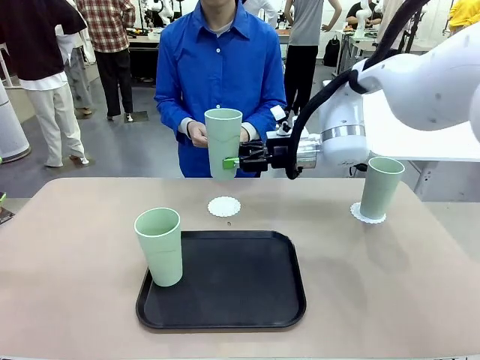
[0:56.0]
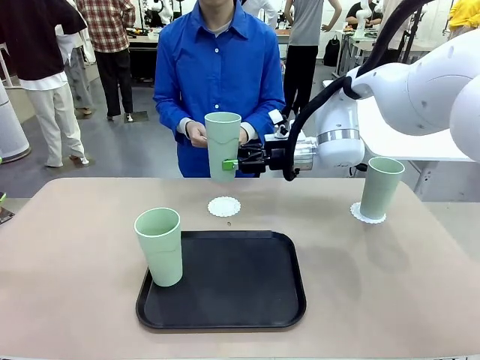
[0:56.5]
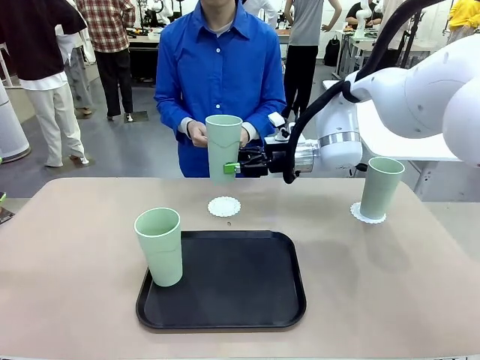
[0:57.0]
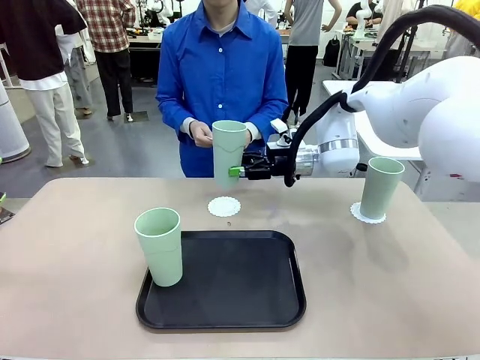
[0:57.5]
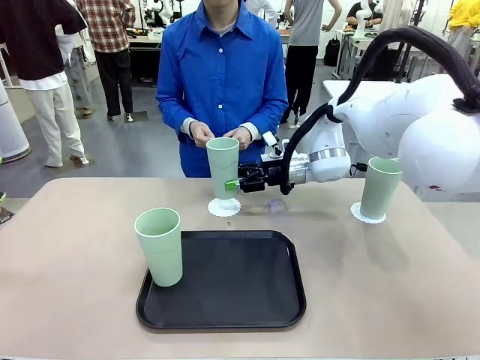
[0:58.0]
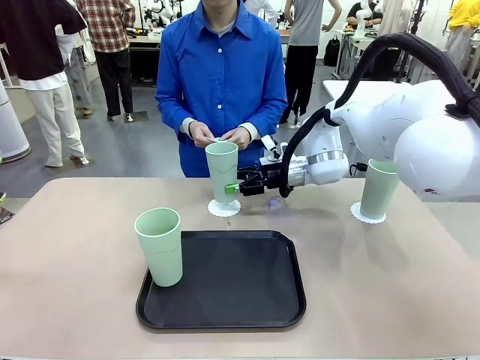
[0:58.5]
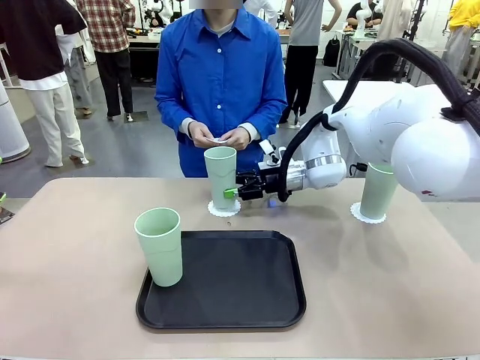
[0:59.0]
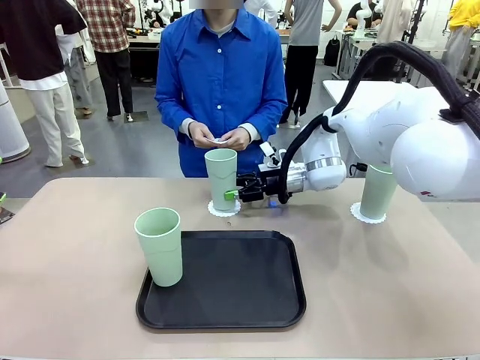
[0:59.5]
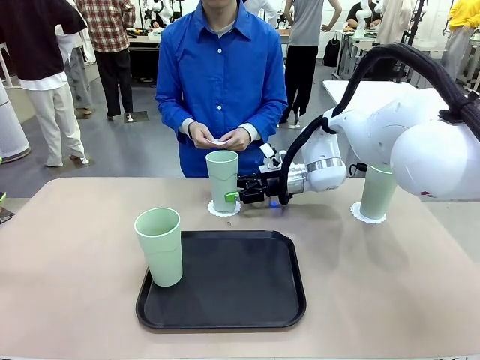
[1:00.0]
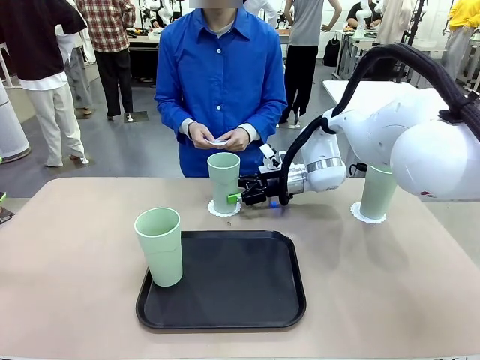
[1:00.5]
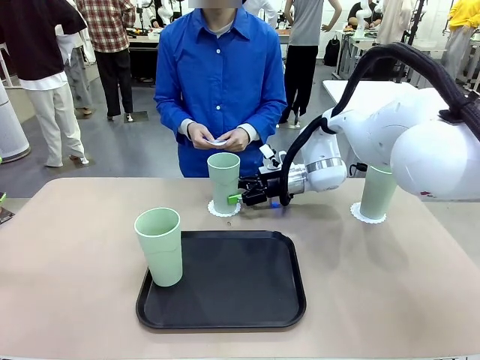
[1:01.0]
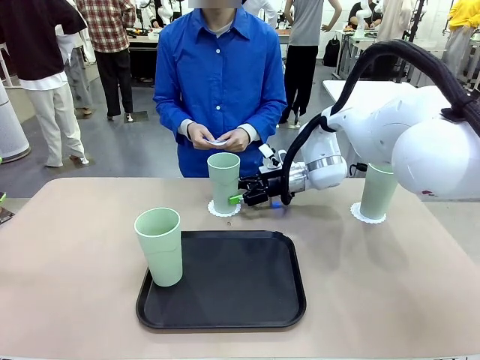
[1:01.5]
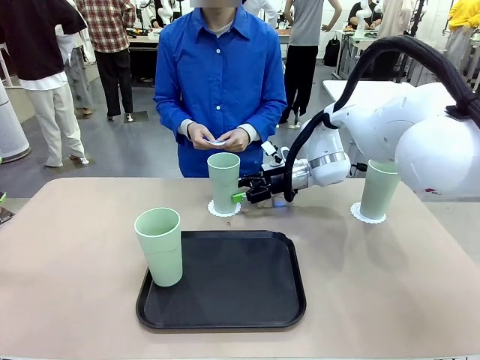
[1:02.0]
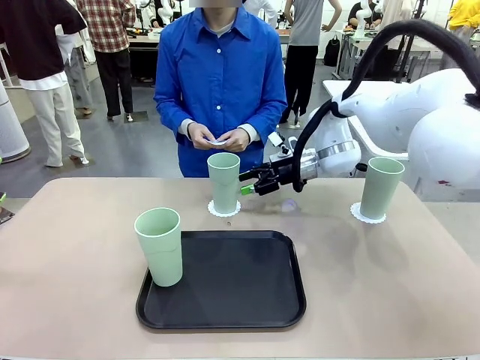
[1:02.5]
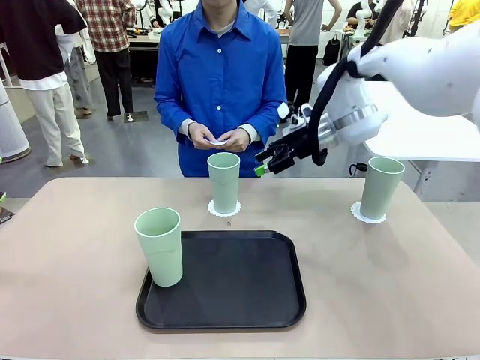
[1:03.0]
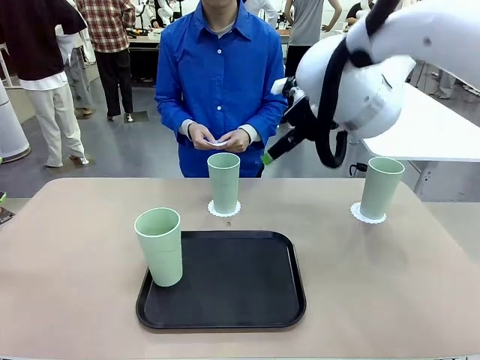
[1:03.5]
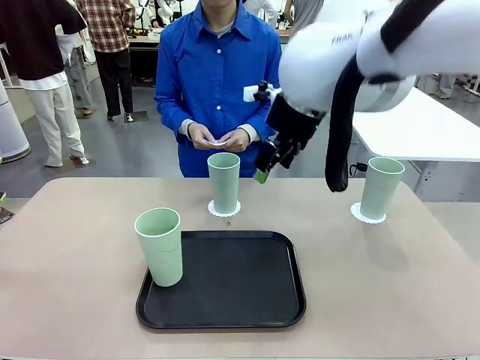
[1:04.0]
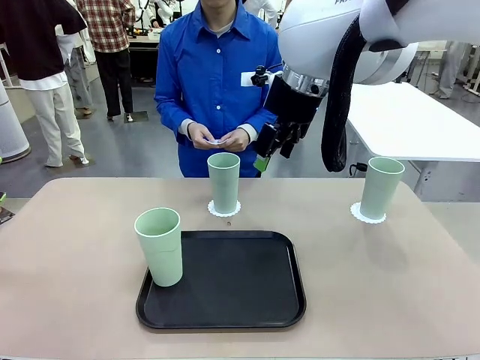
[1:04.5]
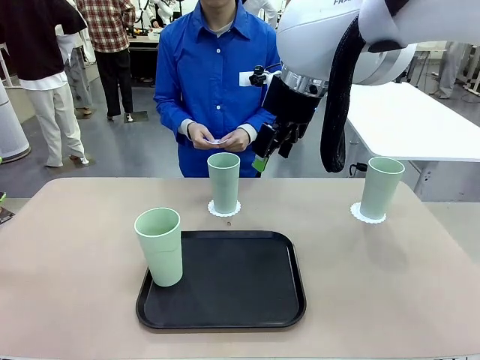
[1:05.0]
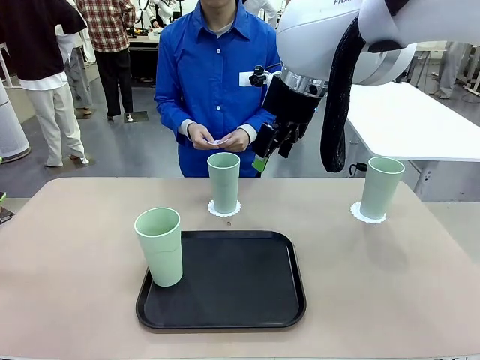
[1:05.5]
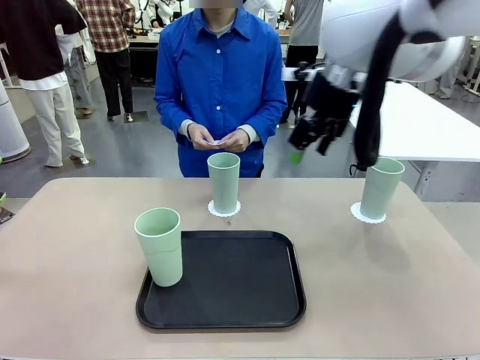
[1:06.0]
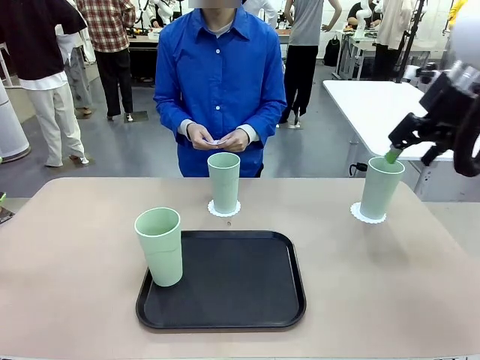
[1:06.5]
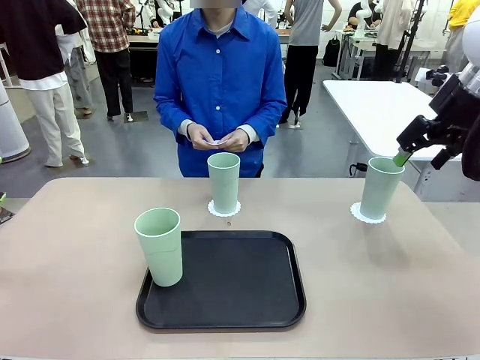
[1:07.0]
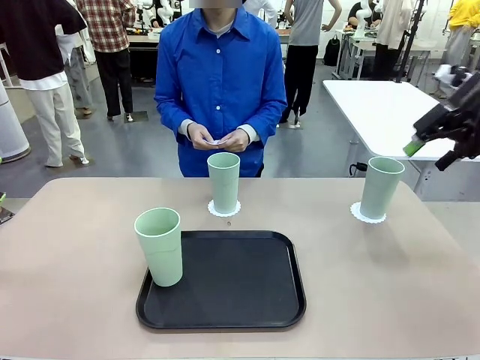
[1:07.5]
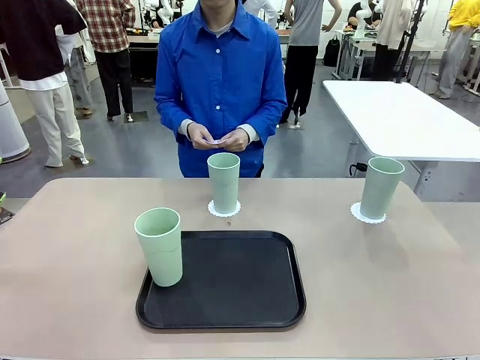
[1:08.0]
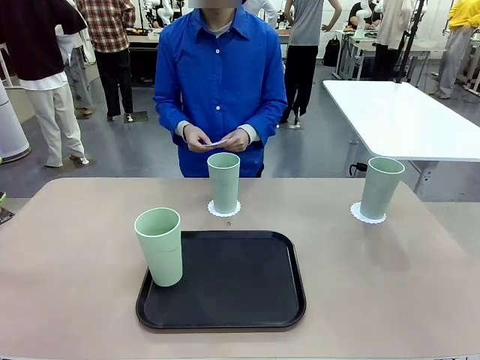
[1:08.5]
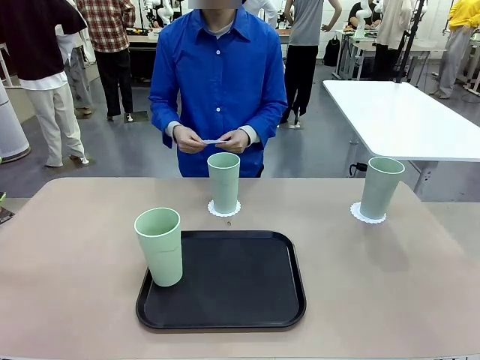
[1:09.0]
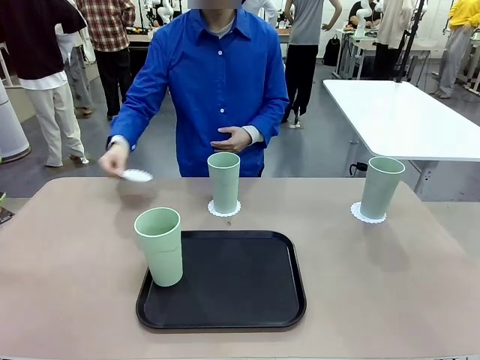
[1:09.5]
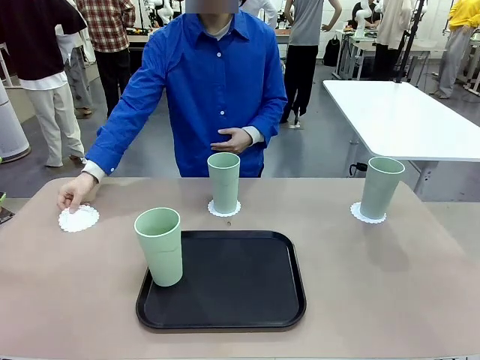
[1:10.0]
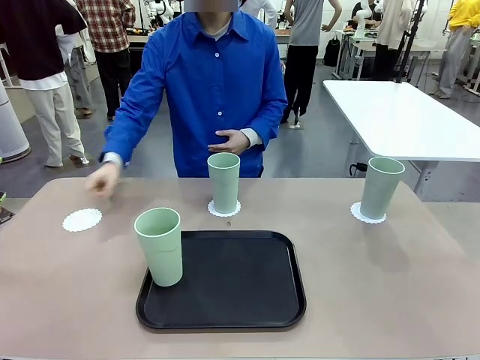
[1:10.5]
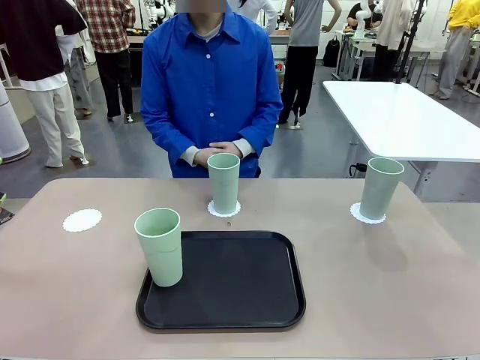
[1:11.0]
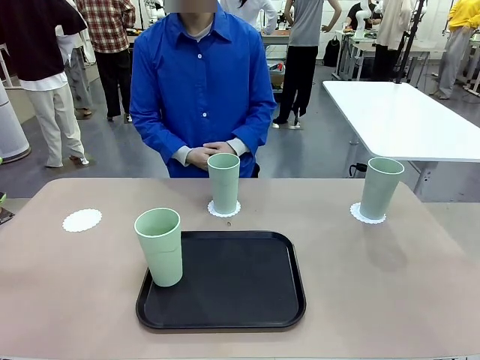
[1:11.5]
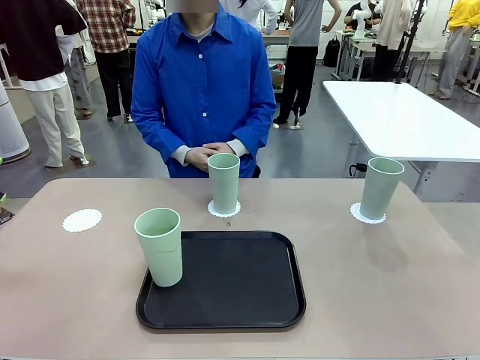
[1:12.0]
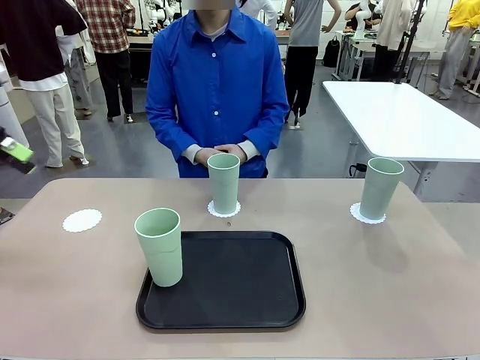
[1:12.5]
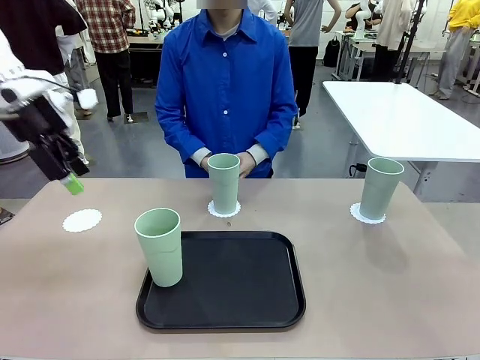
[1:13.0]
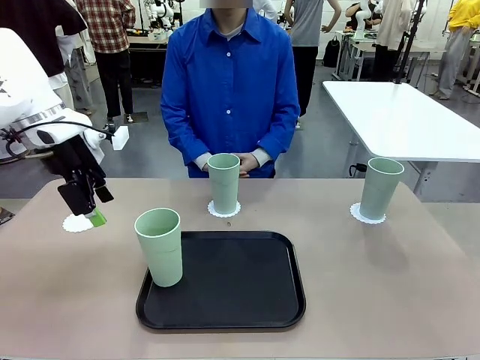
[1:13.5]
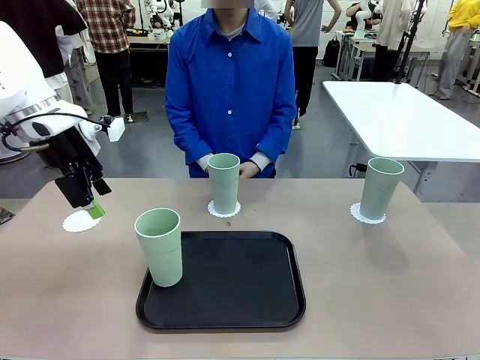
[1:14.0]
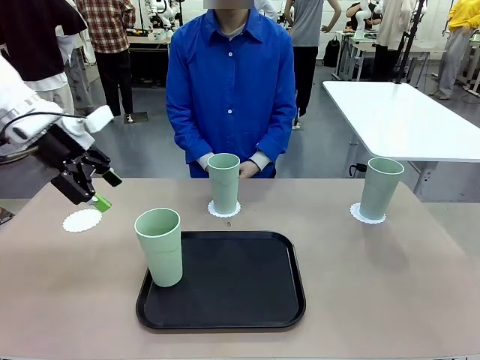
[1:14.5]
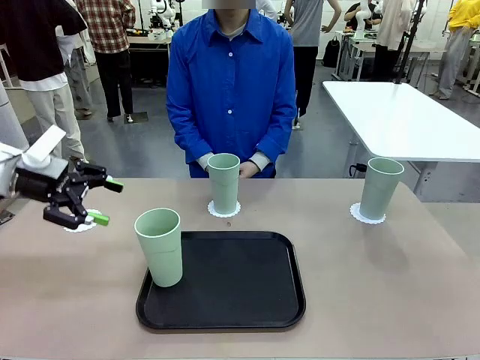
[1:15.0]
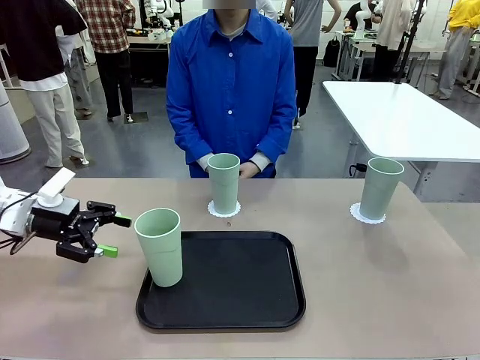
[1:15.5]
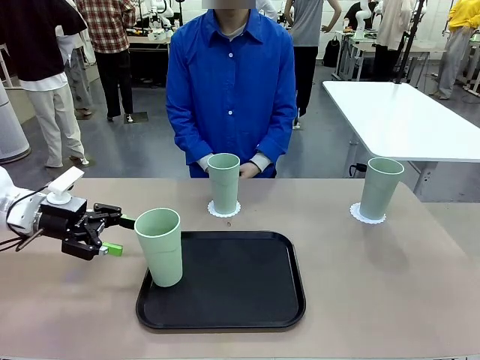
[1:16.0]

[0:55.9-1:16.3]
Task: Place coasters on the table and set cups on them.
Robot: Take one Reusable plastic cup from the Flat Tray and place it on a coaster set by the human.

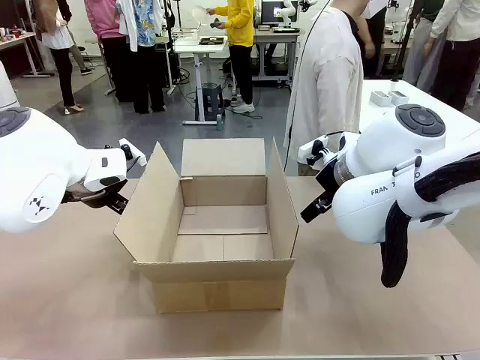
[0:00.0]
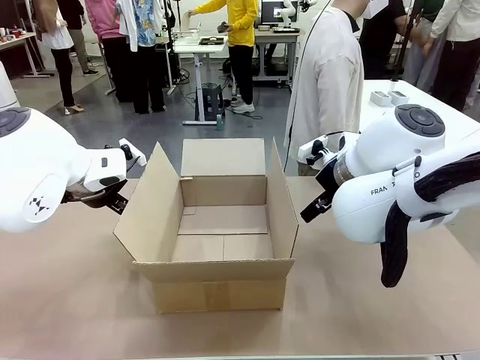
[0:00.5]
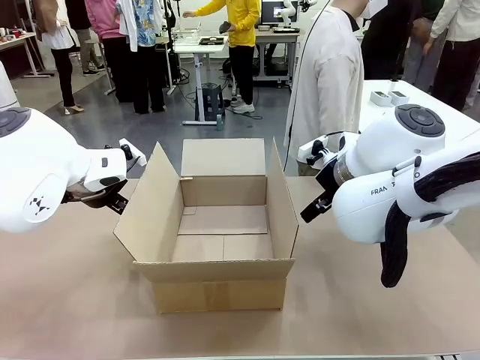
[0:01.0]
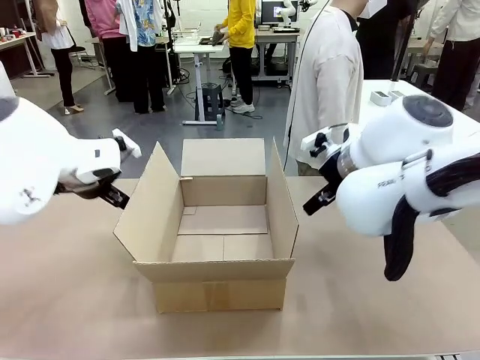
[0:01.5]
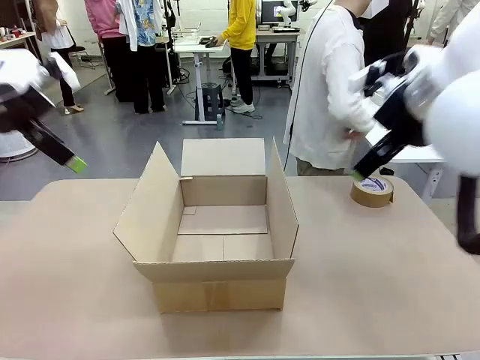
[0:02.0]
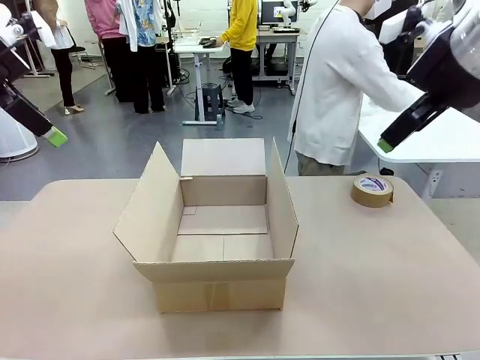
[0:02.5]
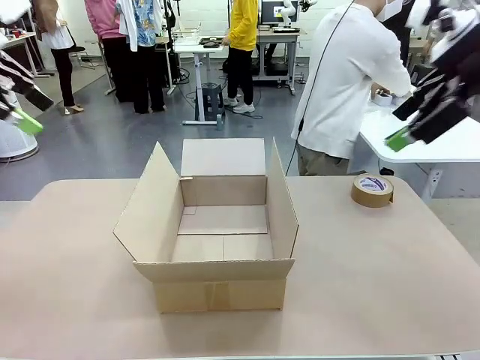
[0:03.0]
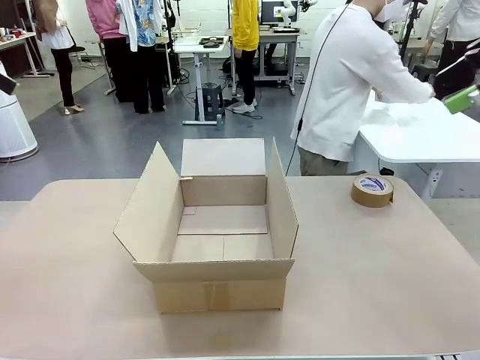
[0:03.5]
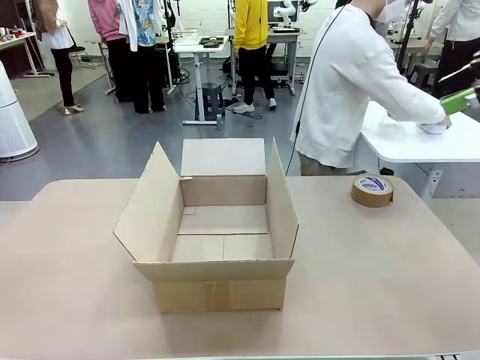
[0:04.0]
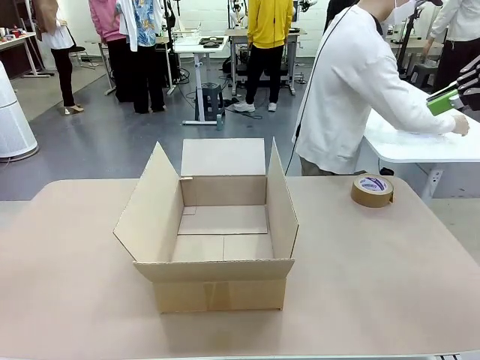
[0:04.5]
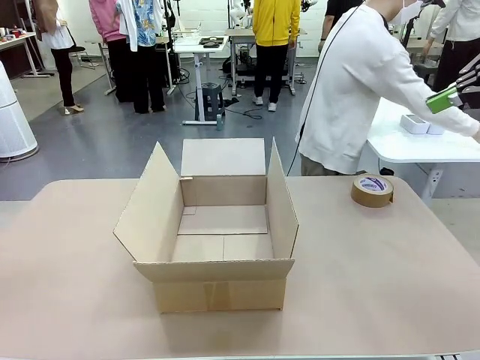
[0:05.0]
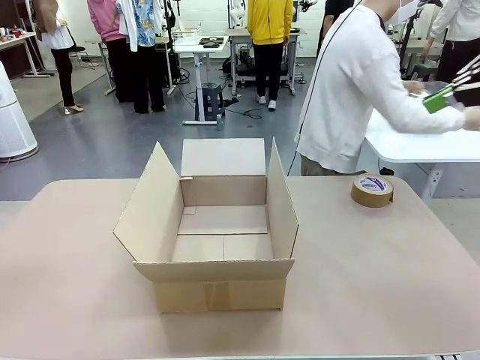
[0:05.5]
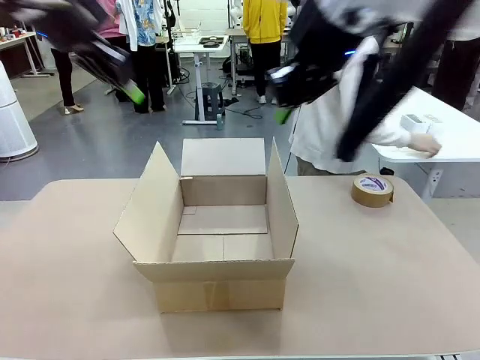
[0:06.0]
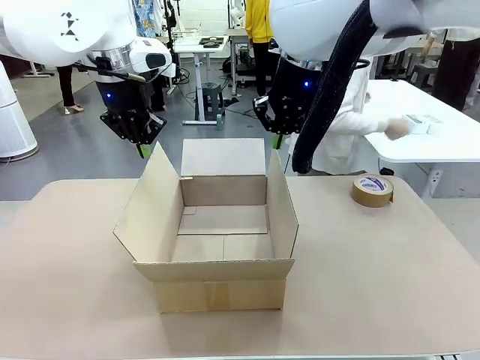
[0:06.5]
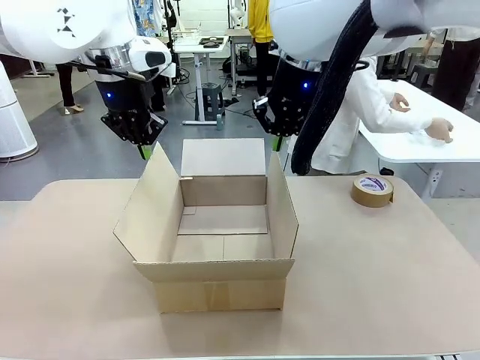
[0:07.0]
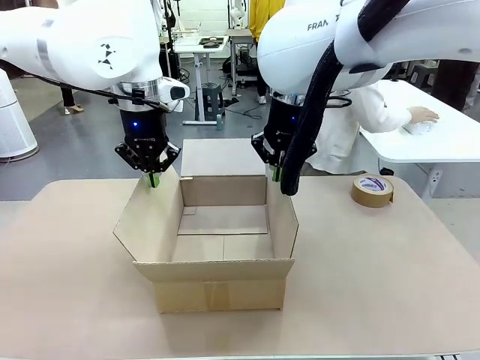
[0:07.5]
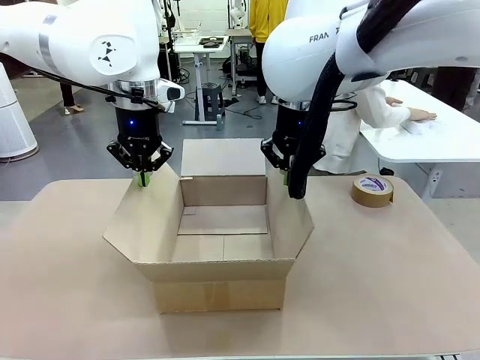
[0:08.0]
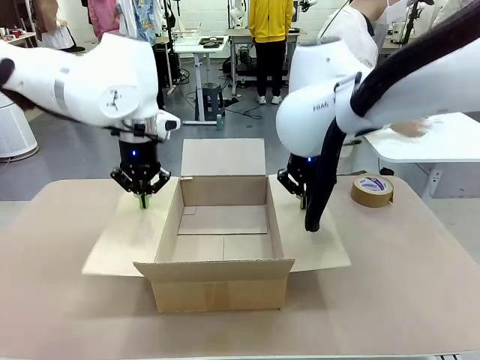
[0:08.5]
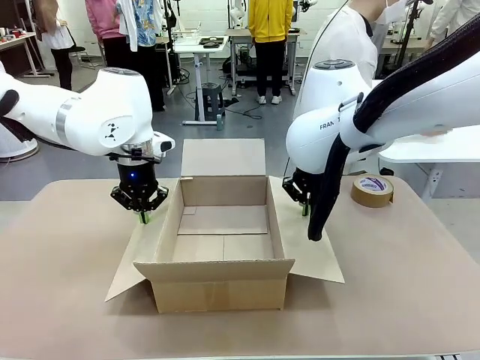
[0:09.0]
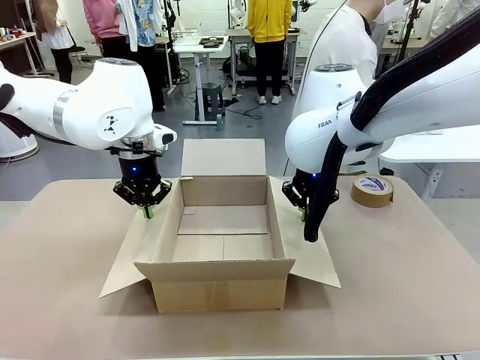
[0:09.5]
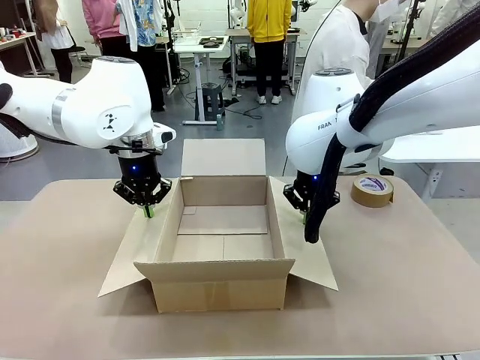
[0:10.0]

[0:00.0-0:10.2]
Task: Wrap the clocks to prevent damage.
Robot: Open the side flaps of the Package Box.
Person: Wrap the two Digital clocks with Bubble Wrap.
